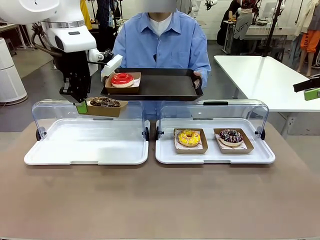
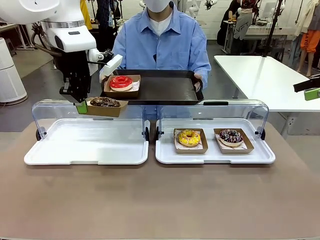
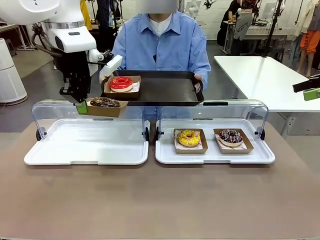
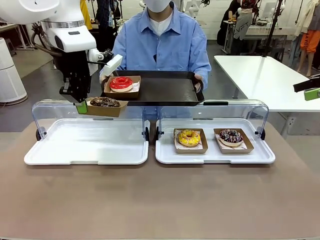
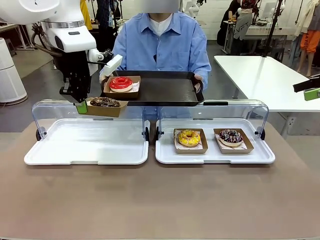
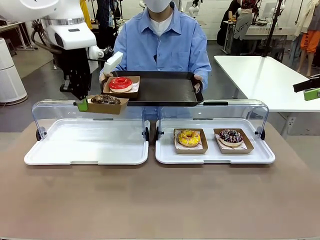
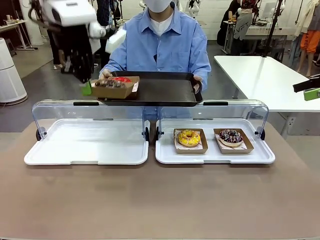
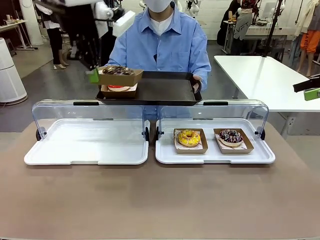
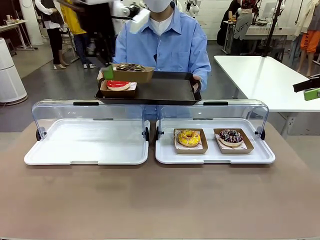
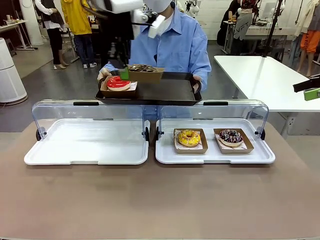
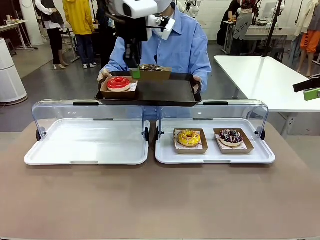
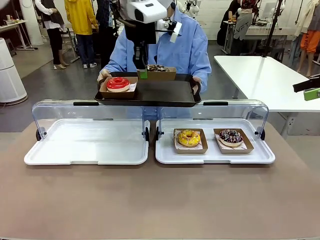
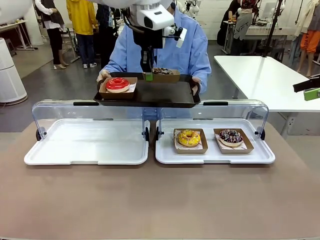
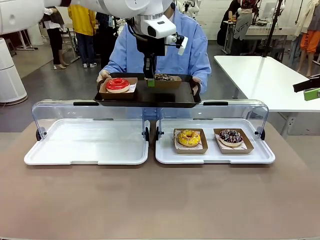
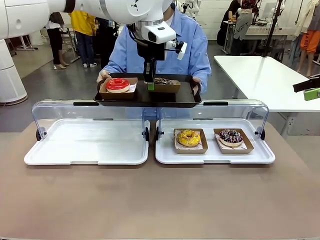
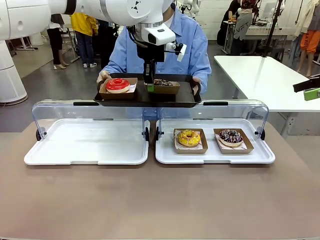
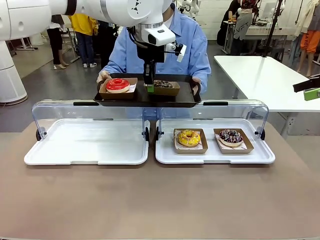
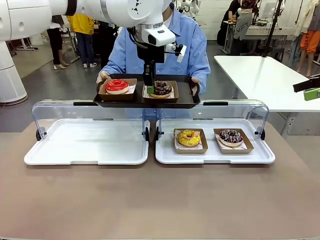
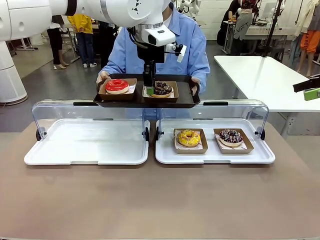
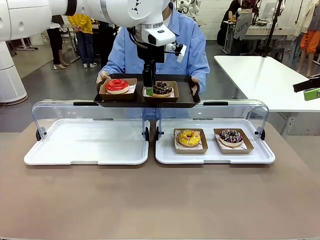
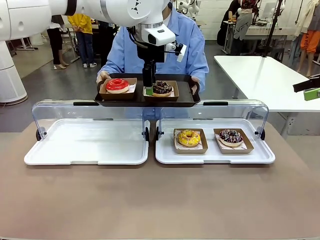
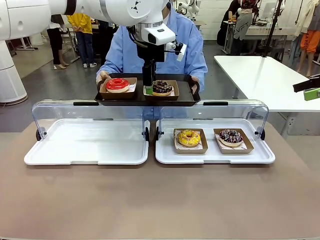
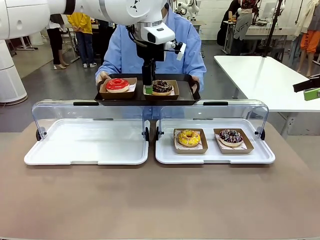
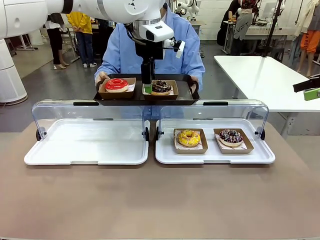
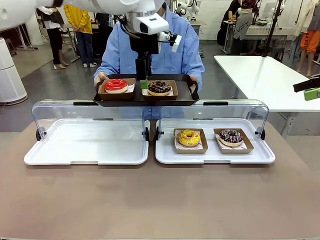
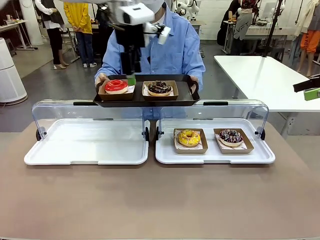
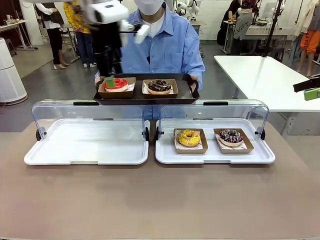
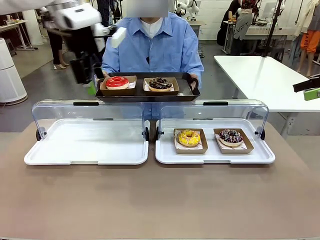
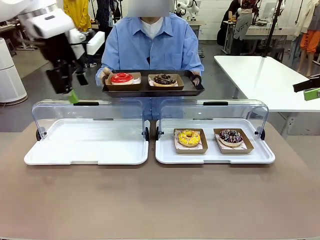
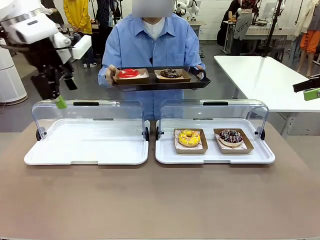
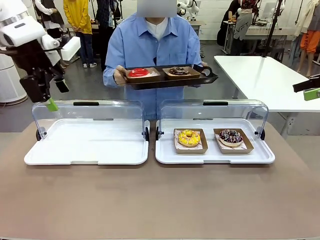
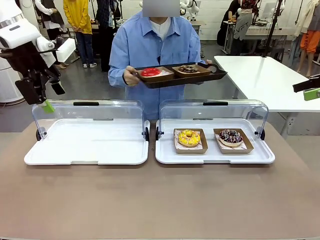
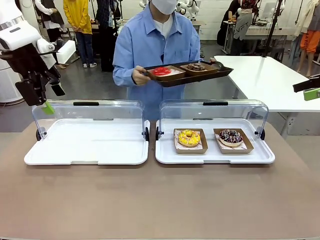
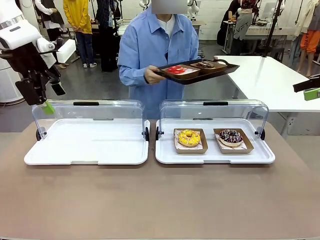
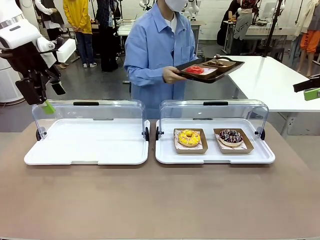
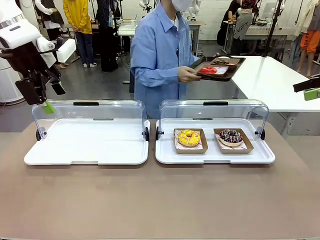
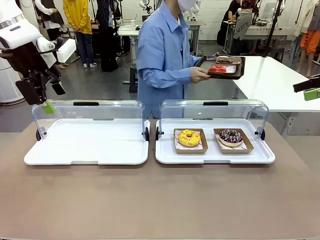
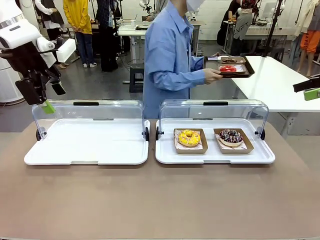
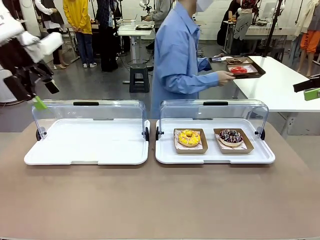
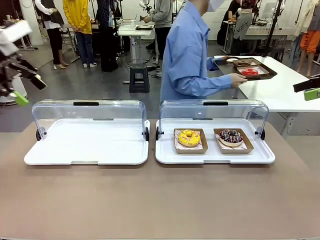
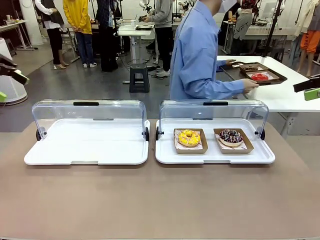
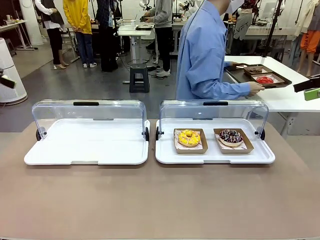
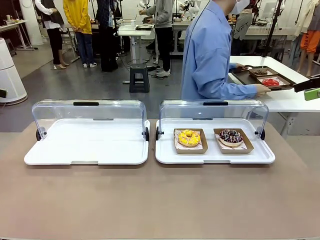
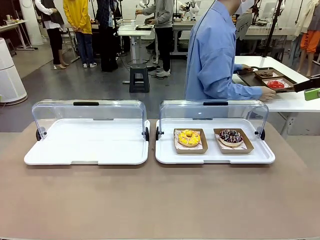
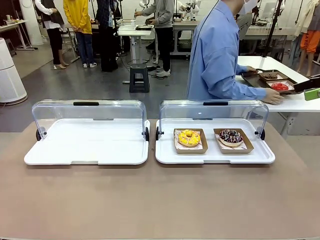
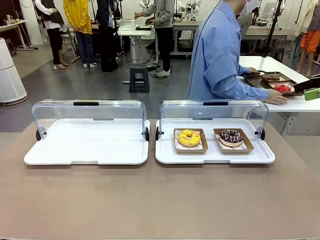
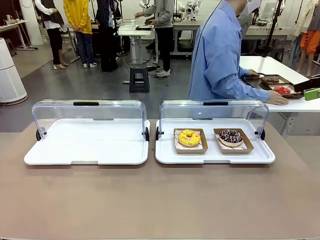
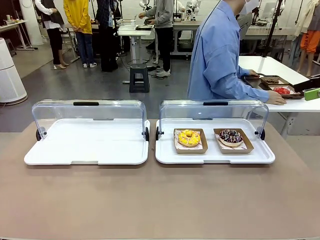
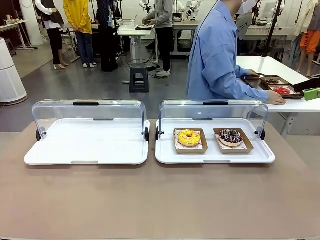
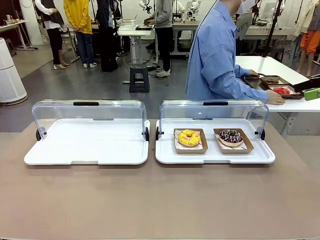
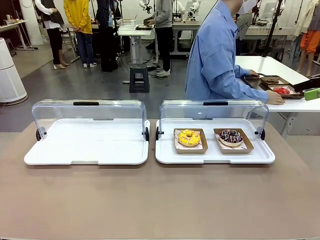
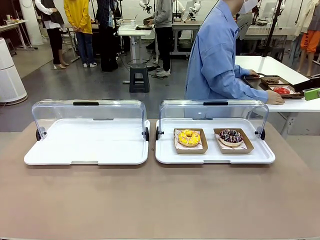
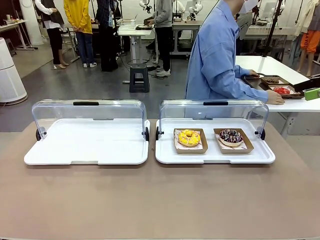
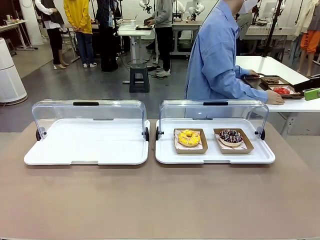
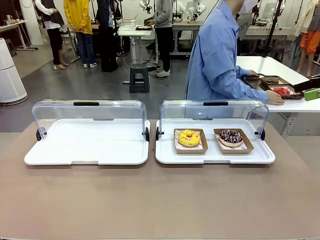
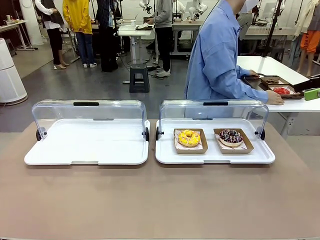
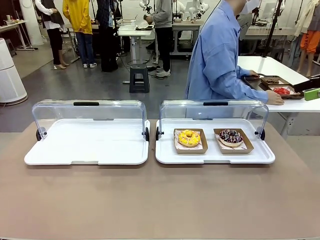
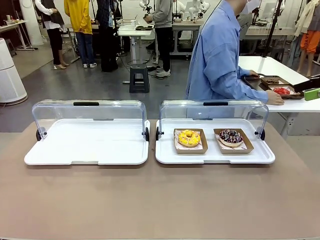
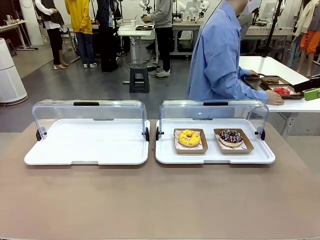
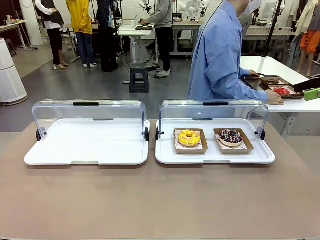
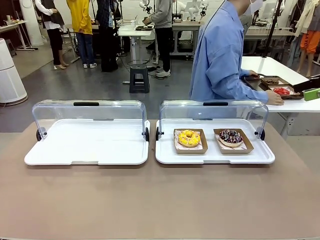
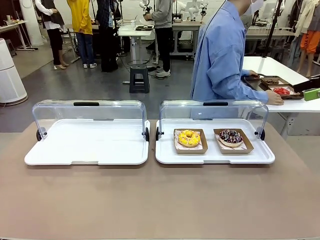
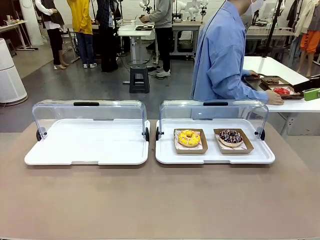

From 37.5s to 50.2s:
Task: Provide the desired donut to the person.
Robot: Place the picked Paper togo box onto the Handle tray extended by the person.
Person: Place the tray in the middle of the human table.

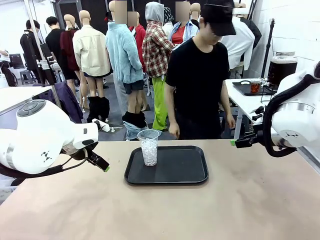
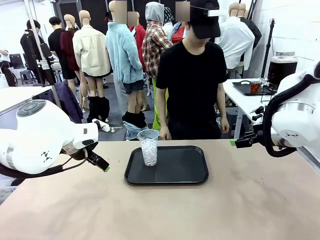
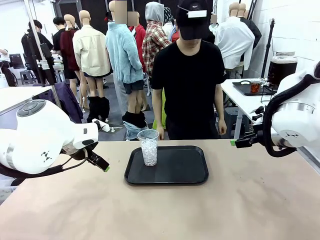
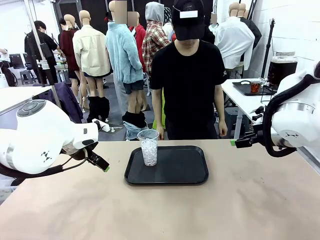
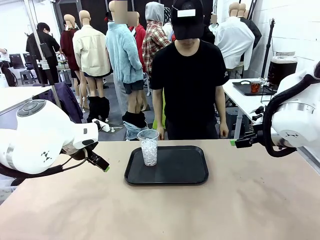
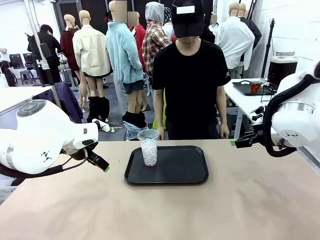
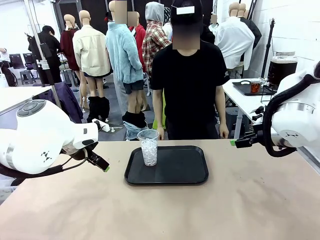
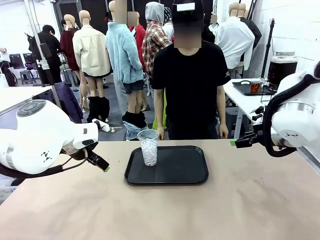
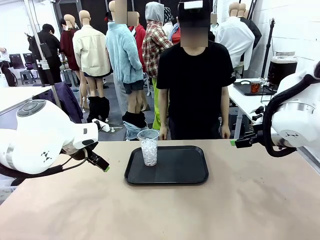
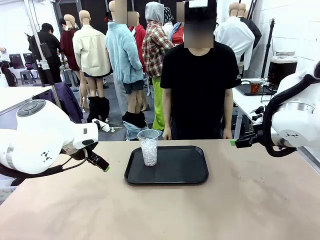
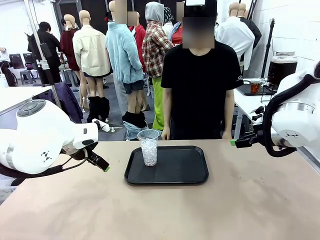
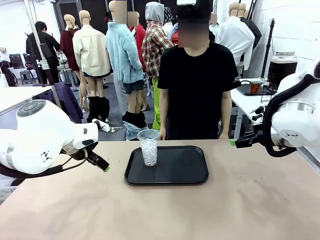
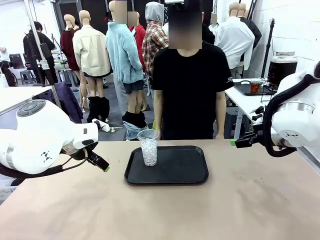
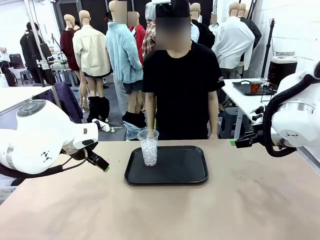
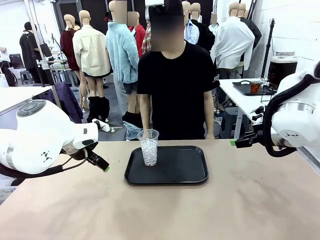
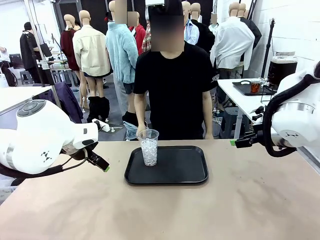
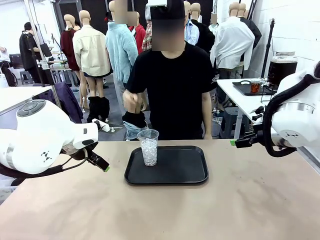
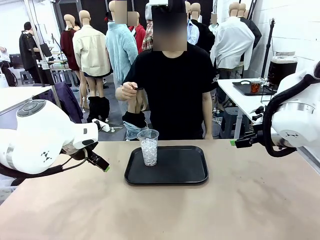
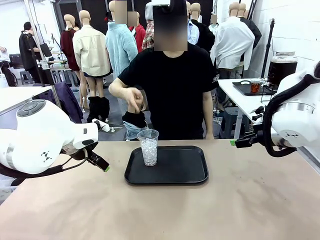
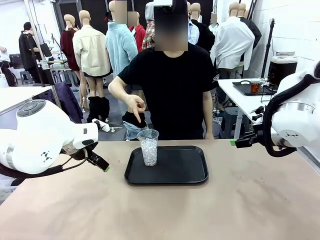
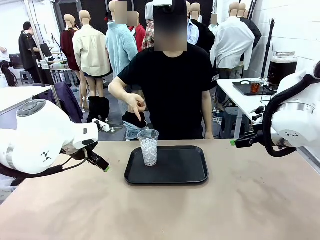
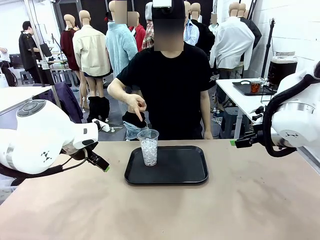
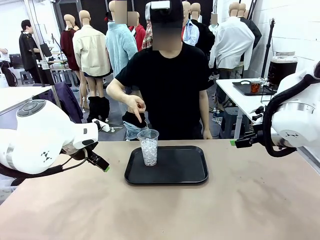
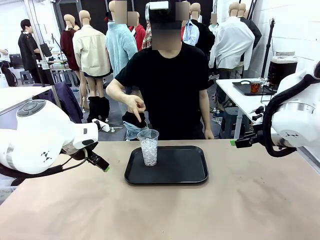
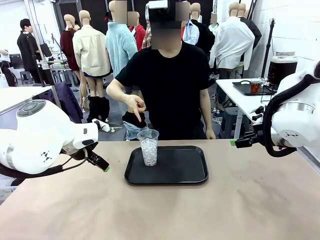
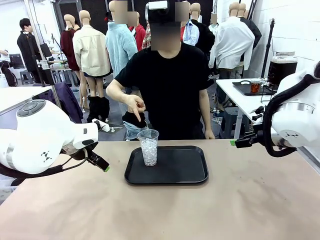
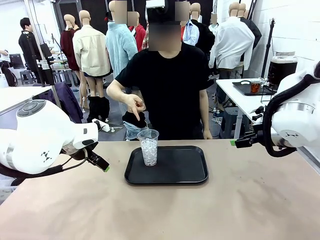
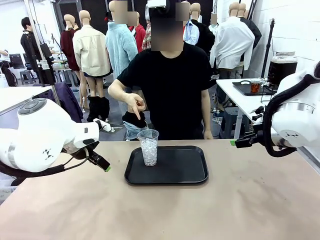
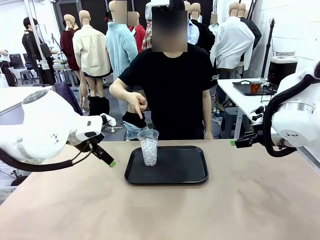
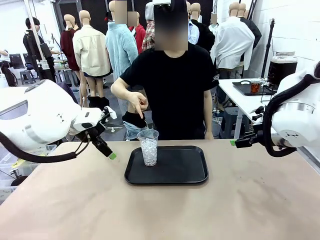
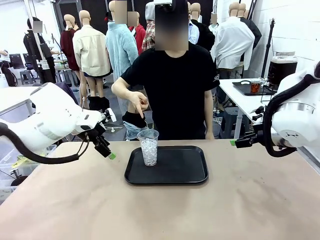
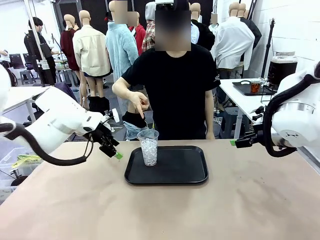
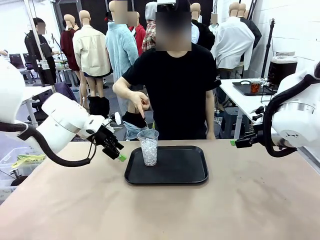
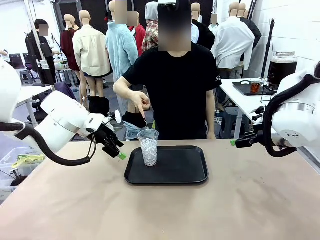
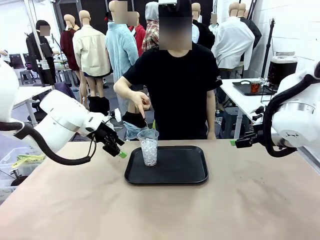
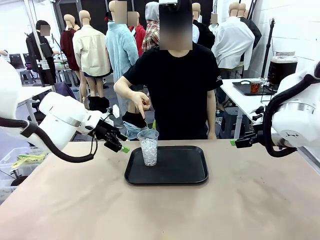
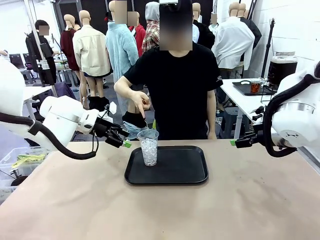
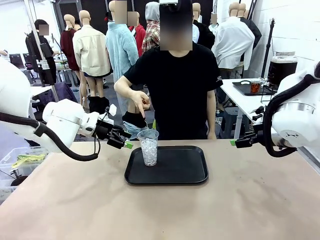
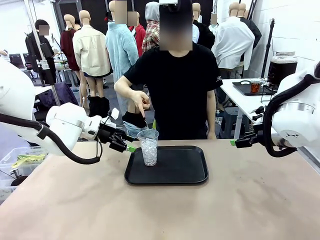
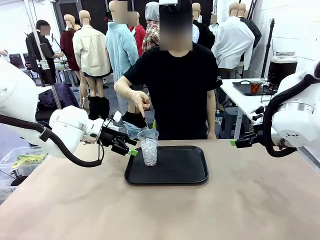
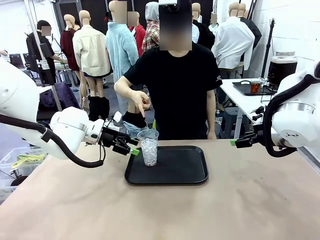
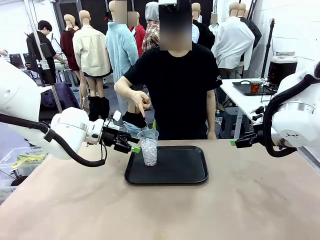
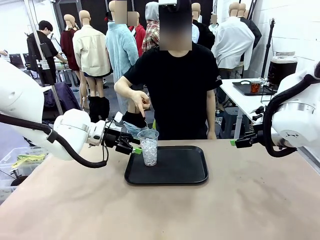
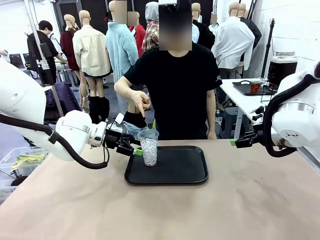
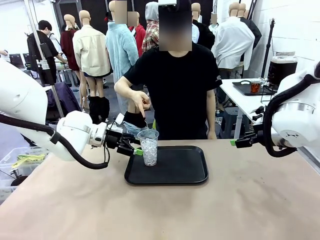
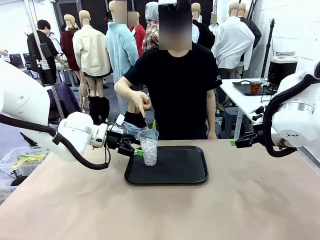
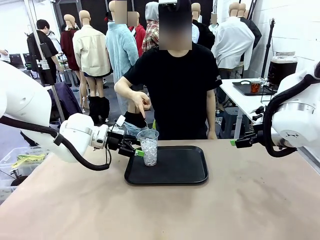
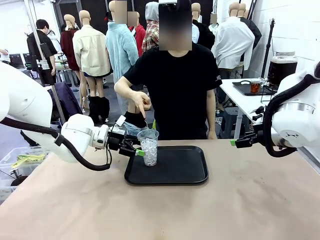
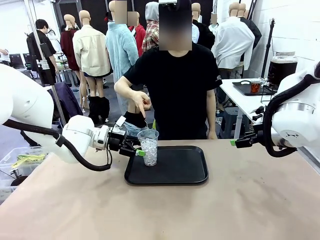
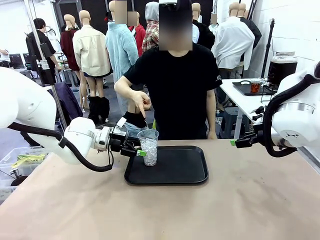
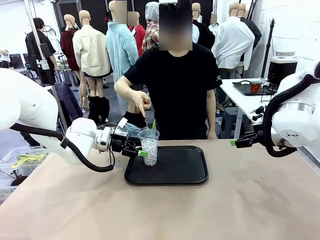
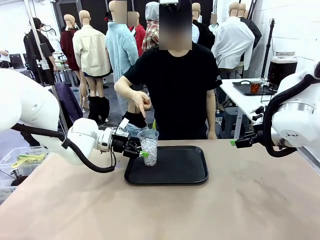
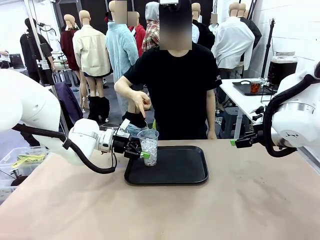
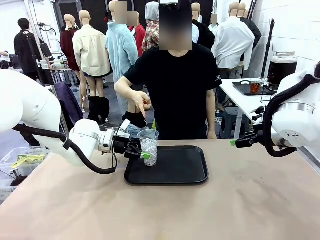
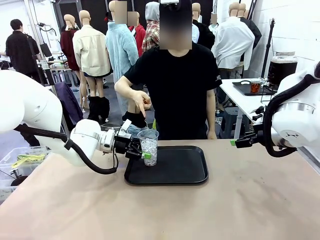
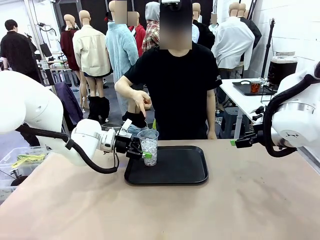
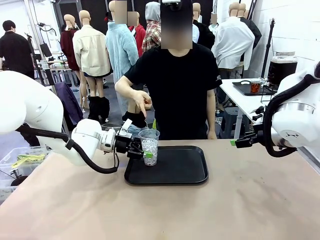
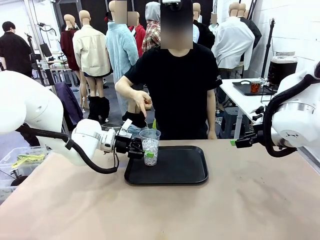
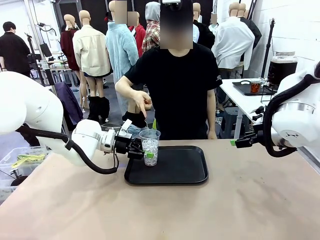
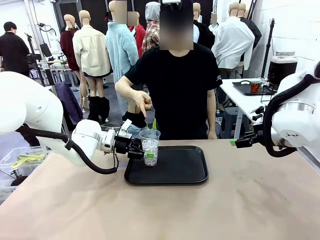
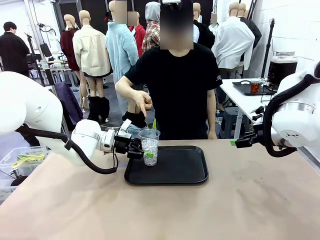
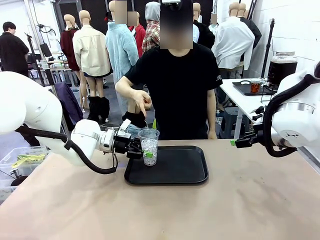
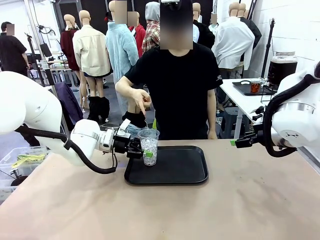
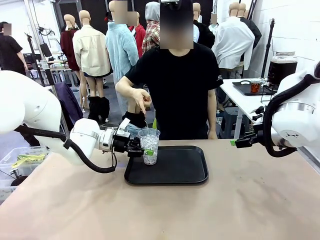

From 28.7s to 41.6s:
Task: Pour the drink into the iced cup.
Robot: Pick up the iced cup indicated by the human and present it to them.
Person: Point to the remaining ice cup on the robot table. Pick up the cup offered by the robot.
